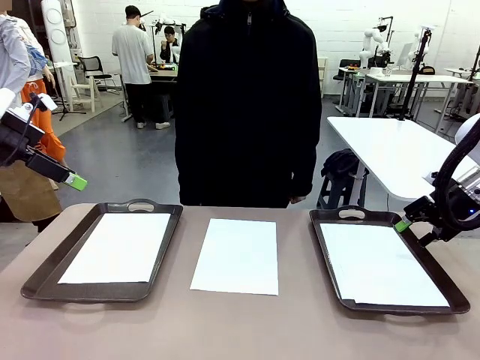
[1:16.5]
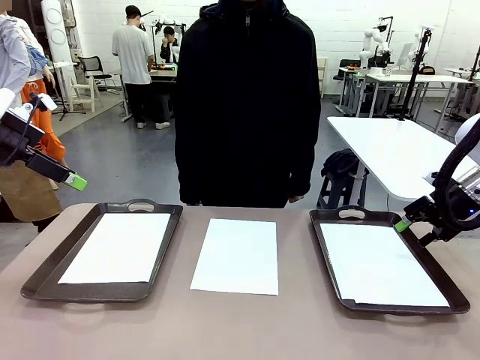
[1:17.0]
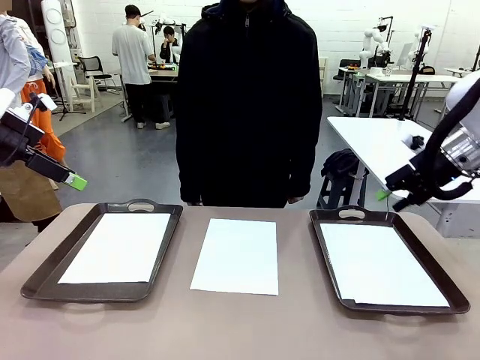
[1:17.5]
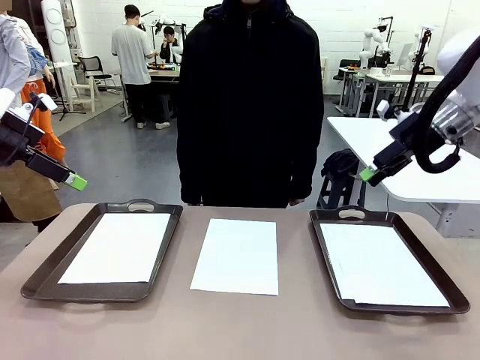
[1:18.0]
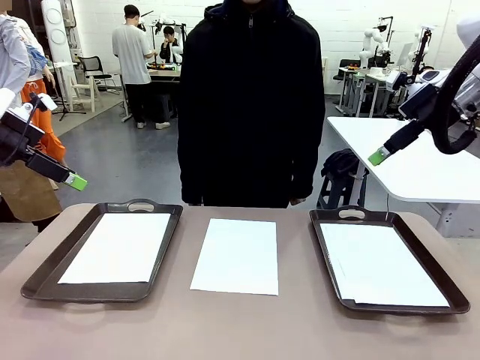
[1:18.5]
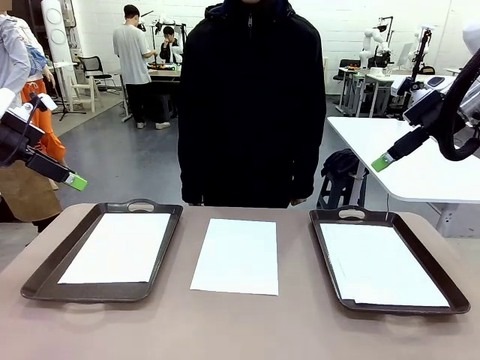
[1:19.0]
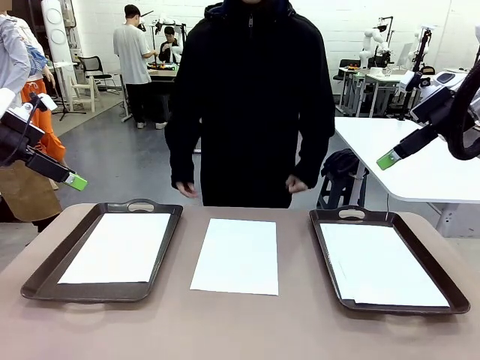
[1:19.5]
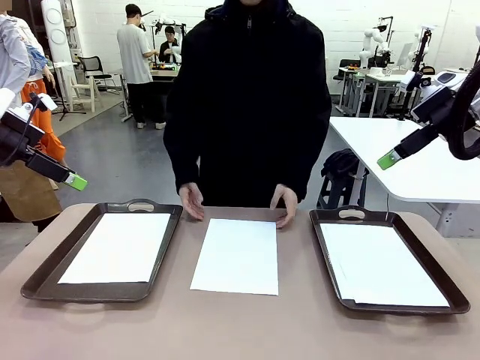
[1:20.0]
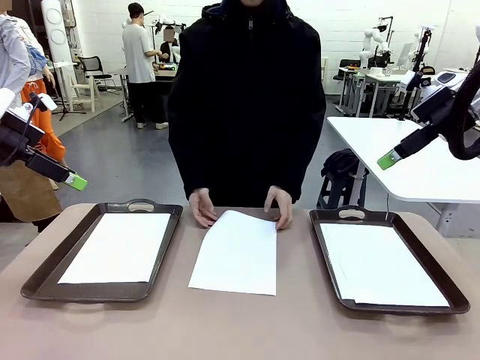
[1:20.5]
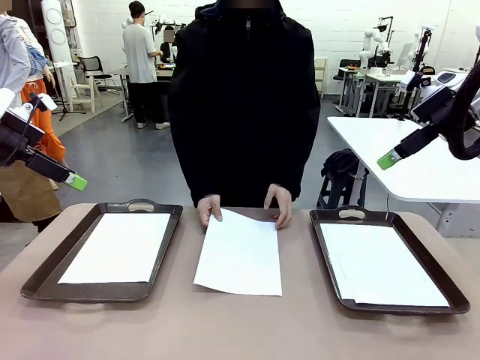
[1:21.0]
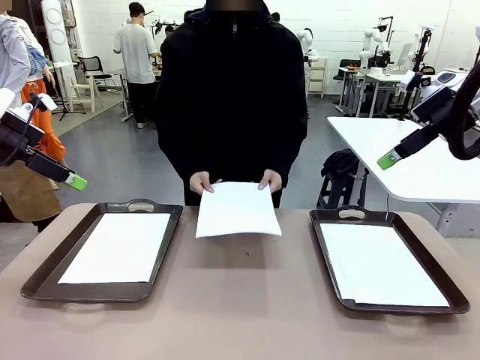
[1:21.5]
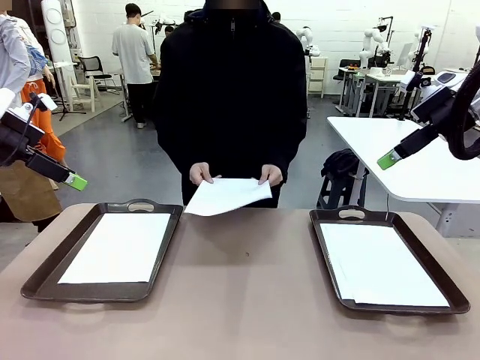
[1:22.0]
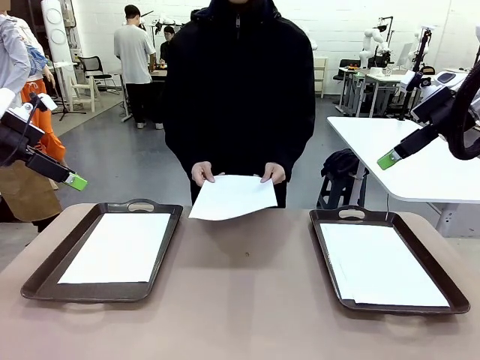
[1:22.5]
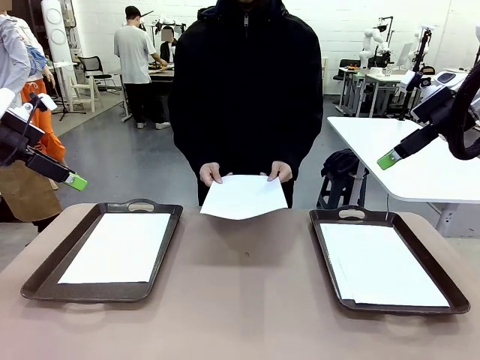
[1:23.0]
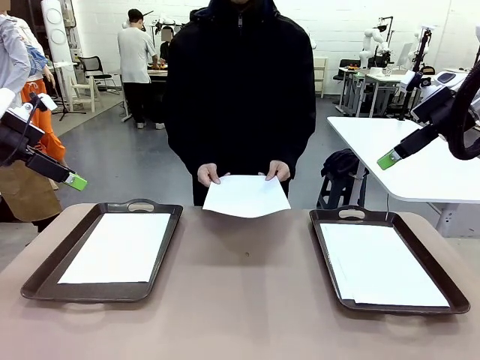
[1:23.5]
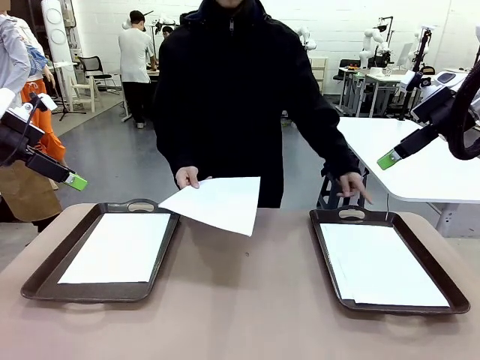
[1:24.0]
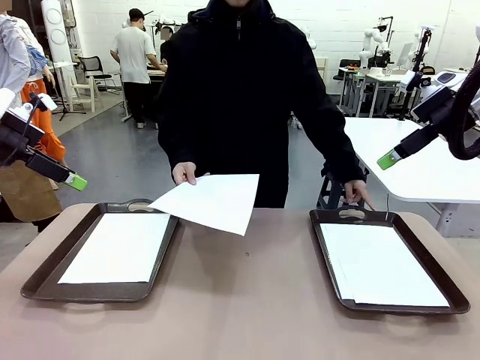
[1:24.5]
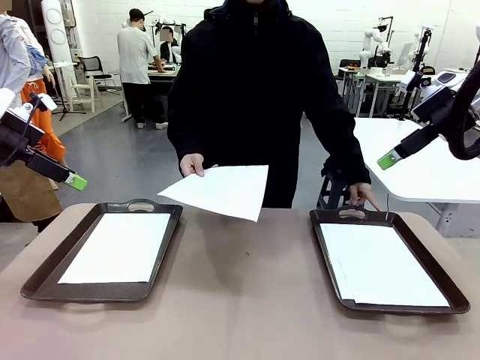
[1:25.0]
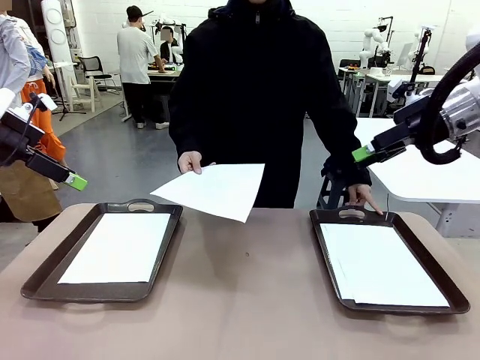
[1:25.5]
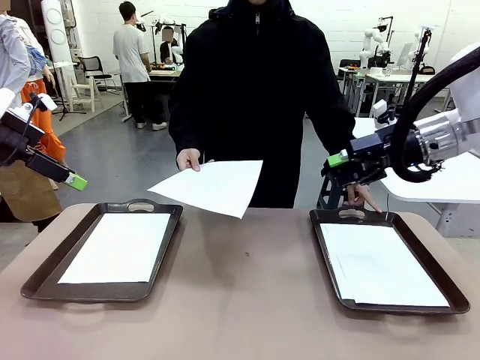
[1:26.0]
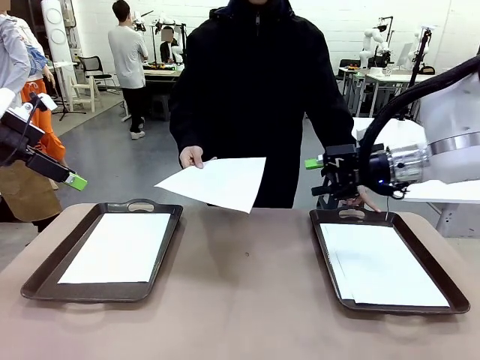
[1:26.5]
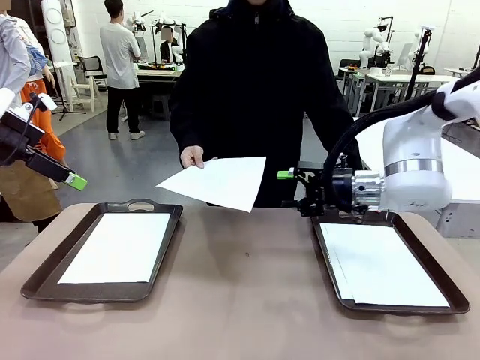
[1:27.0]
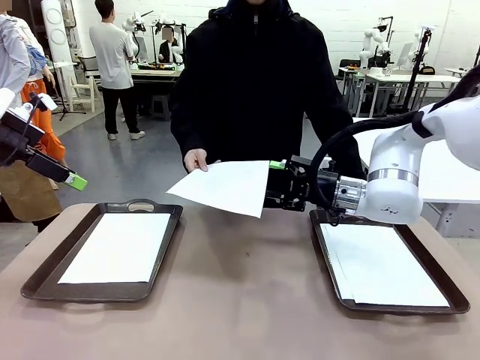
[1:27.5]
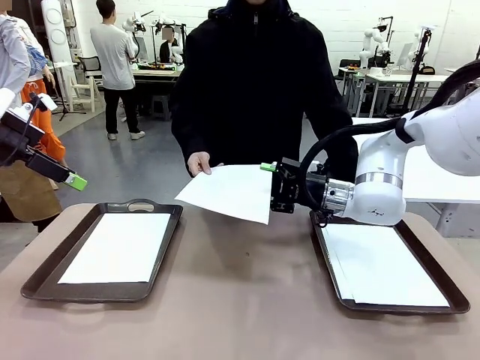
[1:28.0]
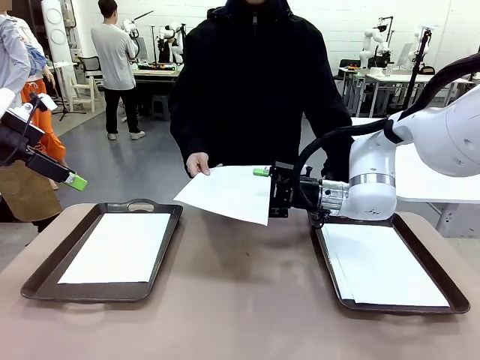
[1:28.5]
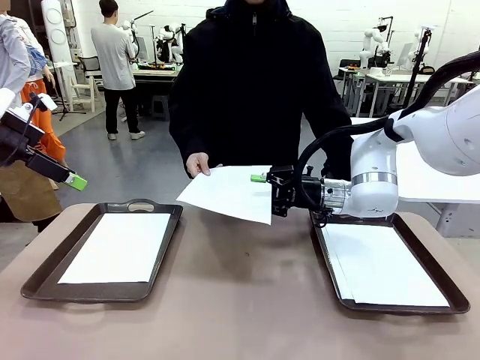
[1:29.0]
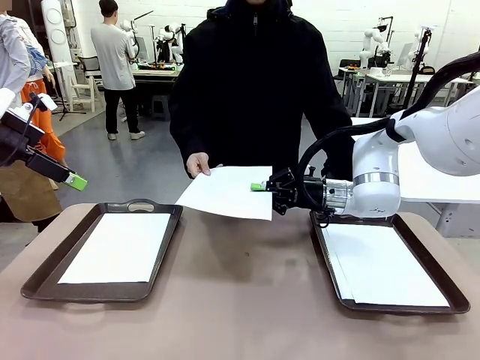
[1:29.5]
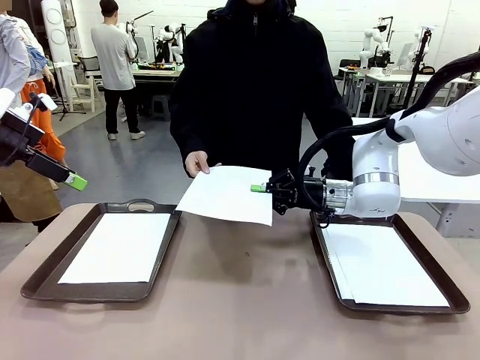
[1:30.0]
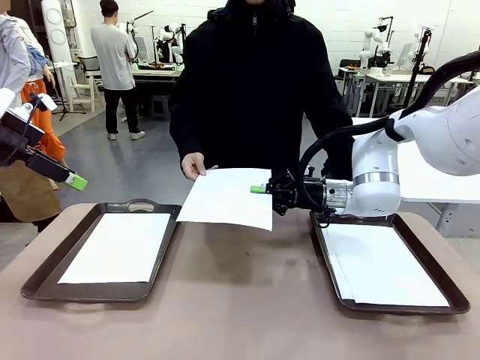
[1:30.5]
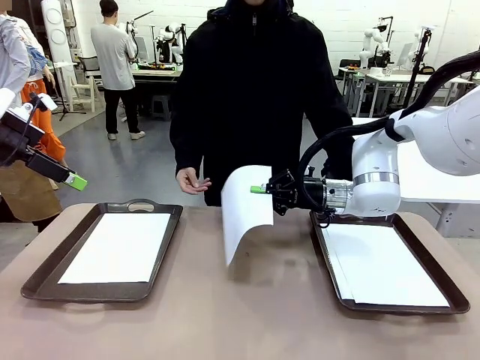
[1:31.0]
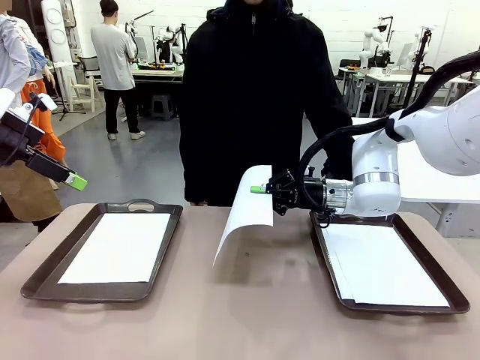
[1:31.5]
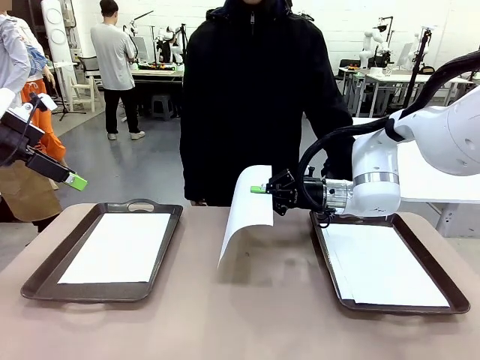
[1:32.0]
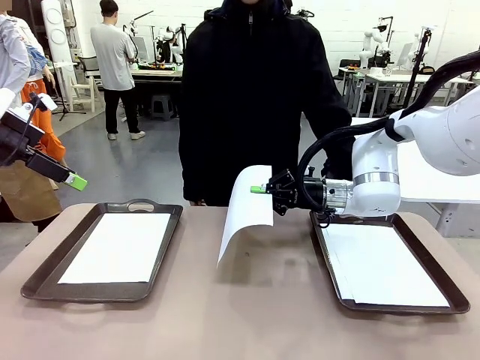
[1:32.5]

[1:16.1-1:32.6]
Task: Sort the A4 documents.
Robot: Receive the A4 Paper.
Person: Point the randomly selected tray with the other hand.

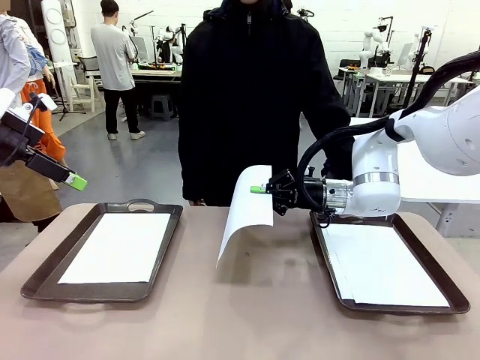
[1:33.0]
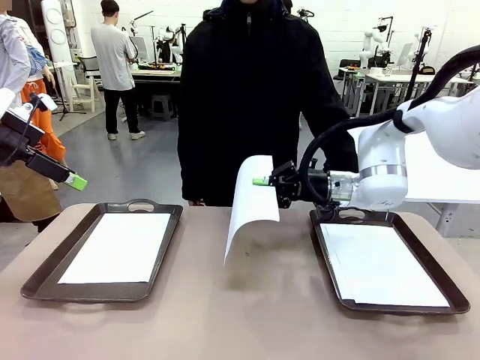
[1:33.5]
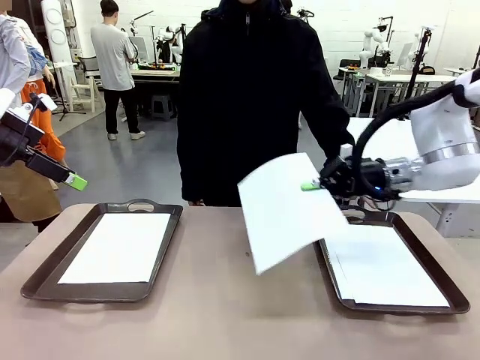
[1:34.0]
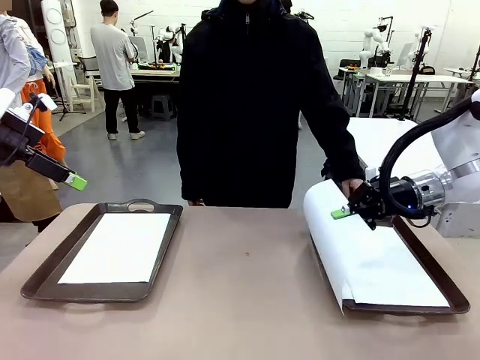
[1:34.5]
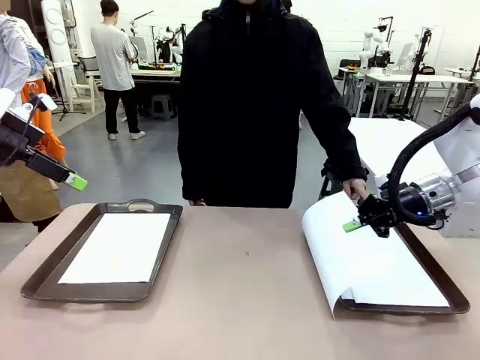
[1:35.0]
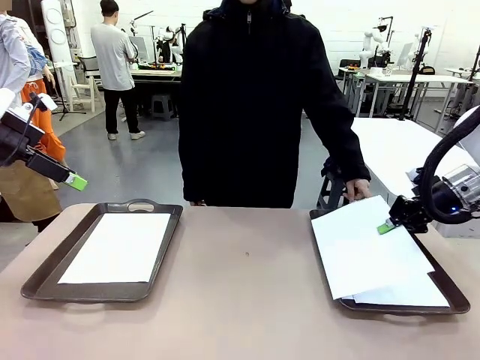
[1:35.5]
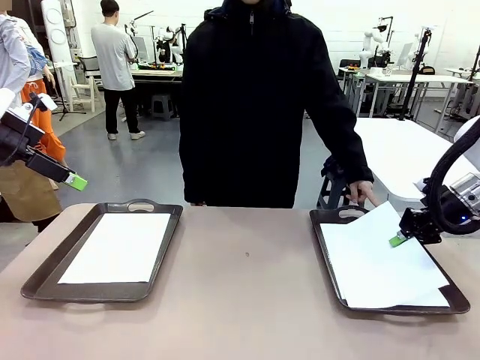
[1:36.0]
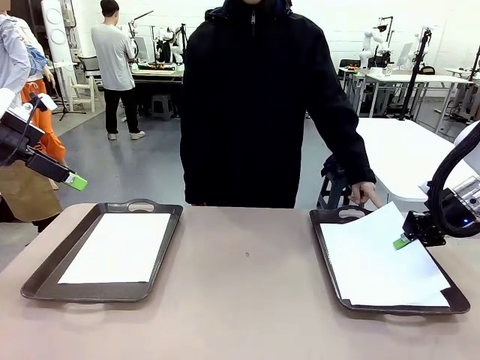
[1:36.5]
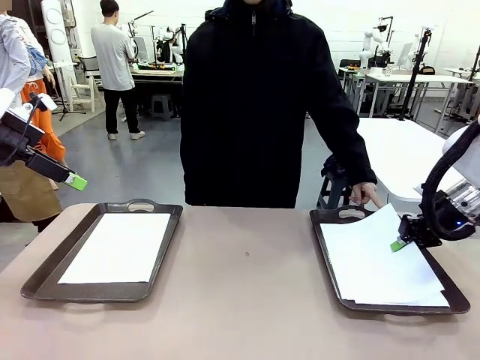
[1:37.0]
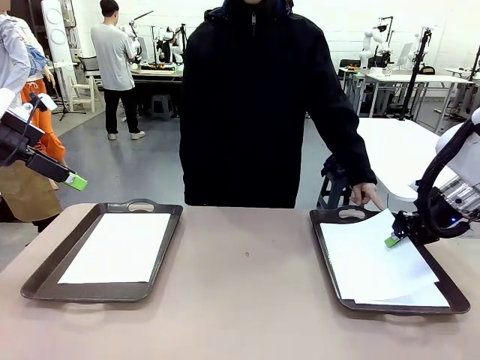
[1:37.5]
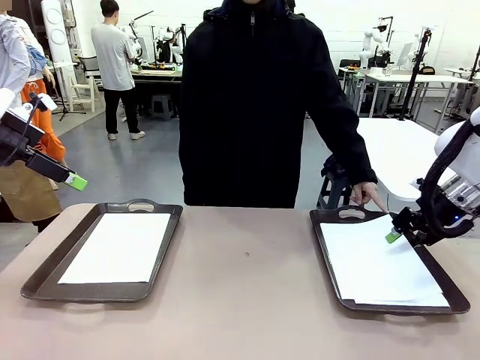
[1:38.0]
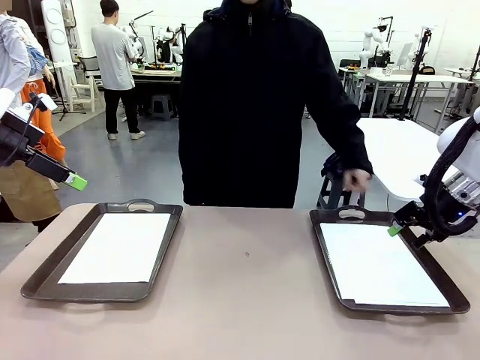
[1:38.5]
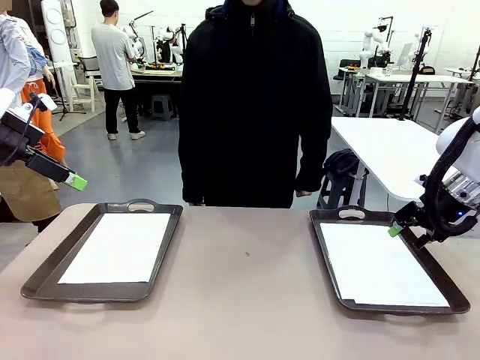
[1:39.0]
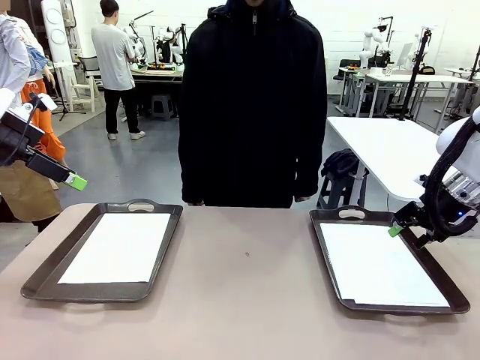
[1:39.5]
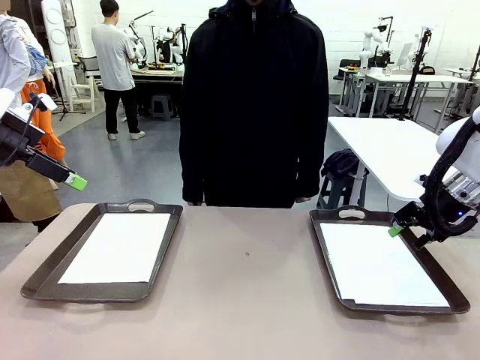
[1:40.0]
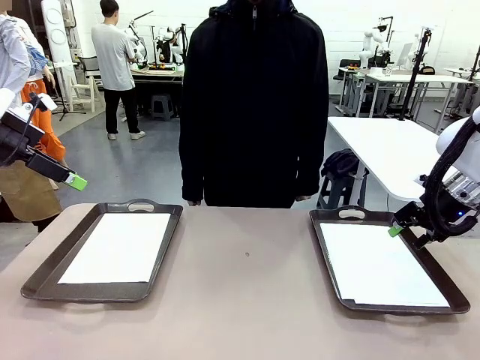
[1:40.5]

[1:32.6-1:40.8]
Robot: Place the A4 Paper in the designated Handle tray.
